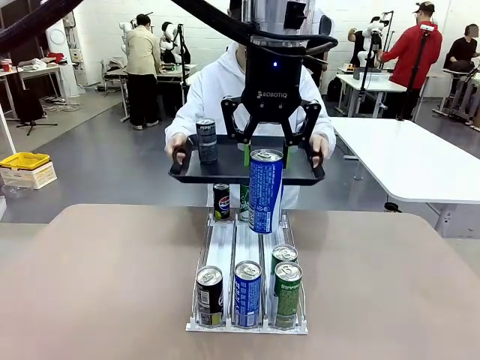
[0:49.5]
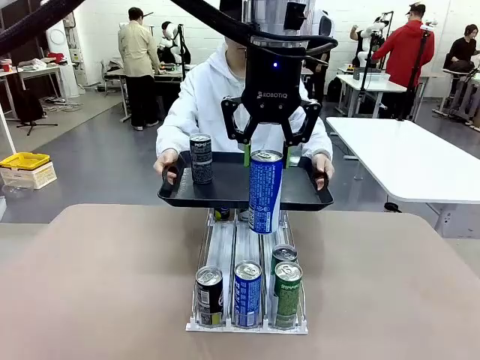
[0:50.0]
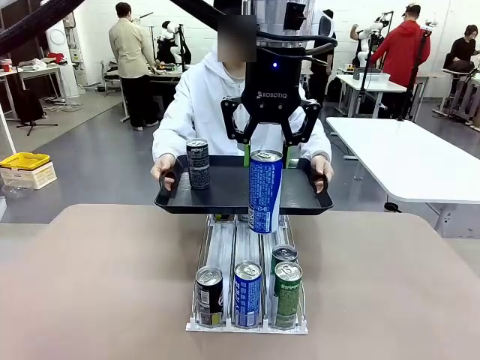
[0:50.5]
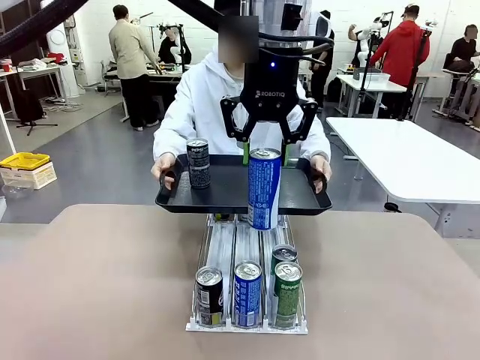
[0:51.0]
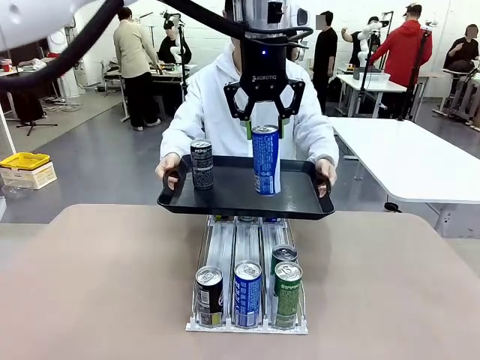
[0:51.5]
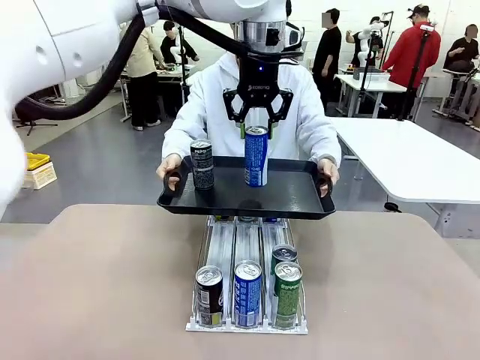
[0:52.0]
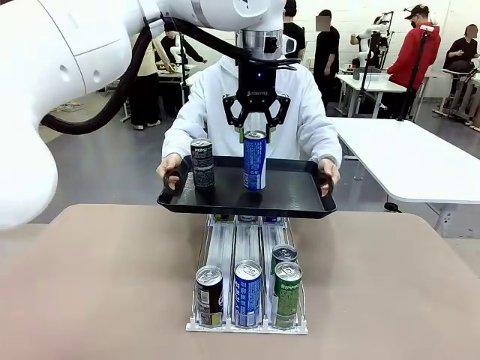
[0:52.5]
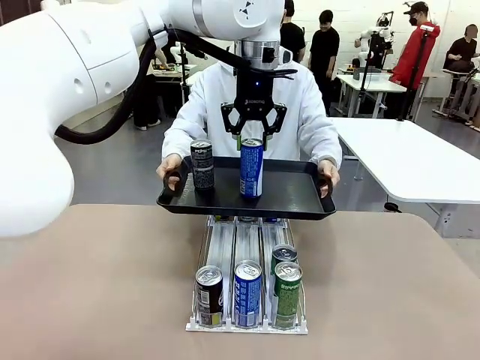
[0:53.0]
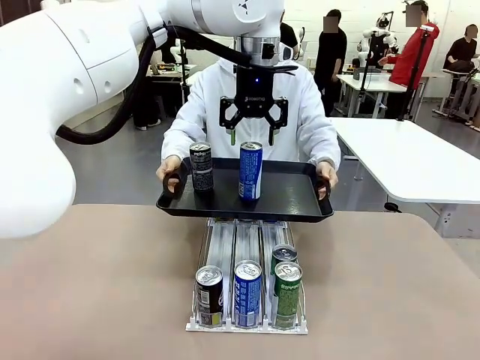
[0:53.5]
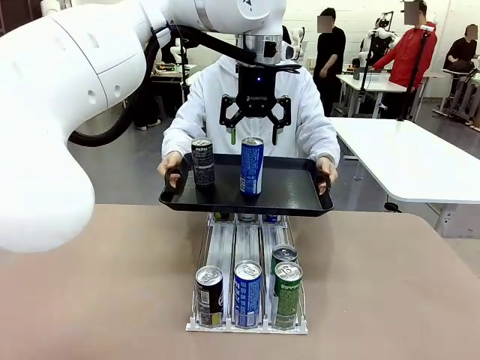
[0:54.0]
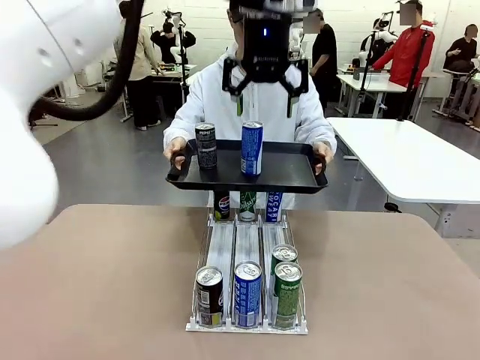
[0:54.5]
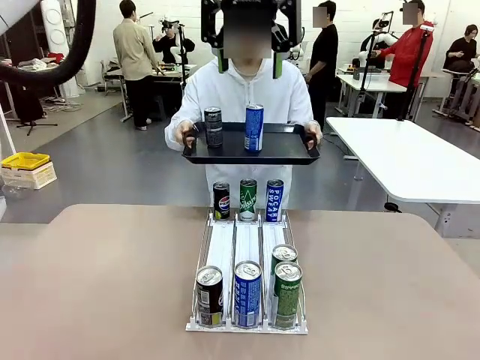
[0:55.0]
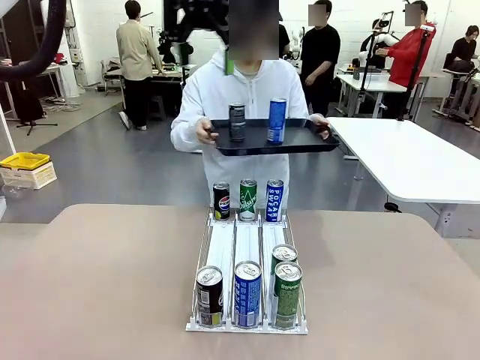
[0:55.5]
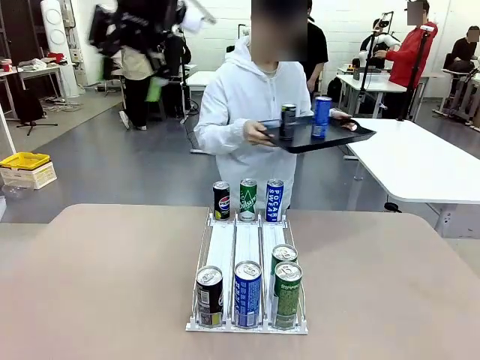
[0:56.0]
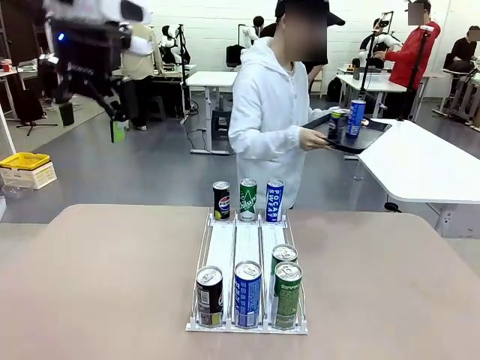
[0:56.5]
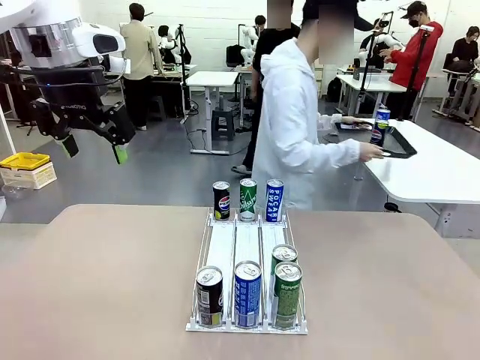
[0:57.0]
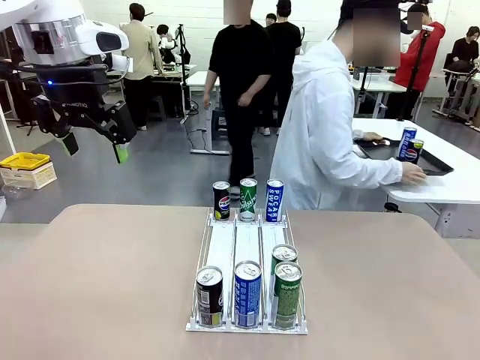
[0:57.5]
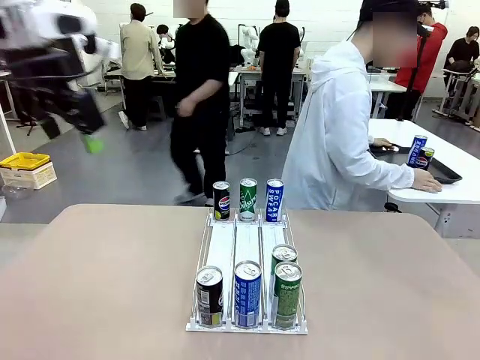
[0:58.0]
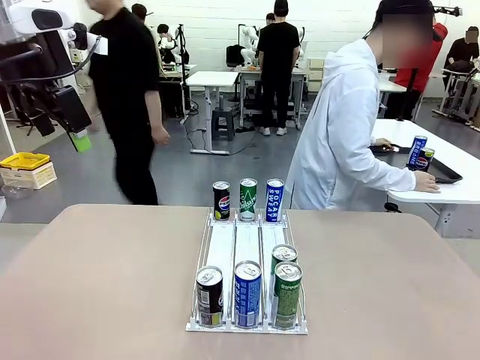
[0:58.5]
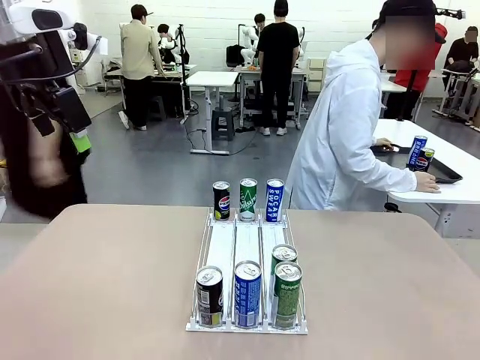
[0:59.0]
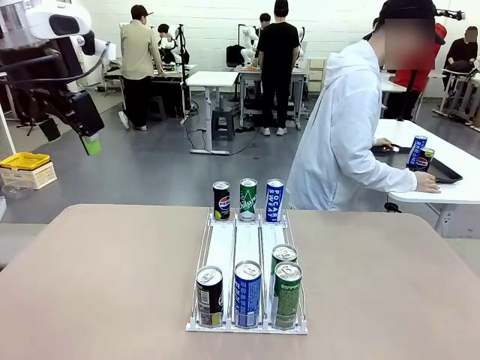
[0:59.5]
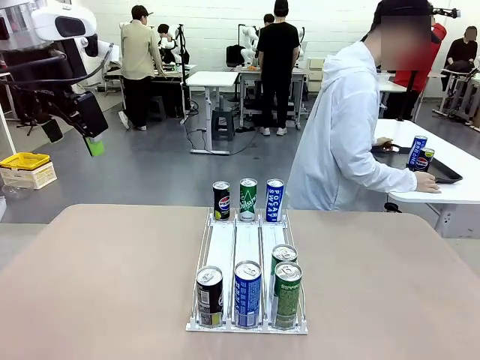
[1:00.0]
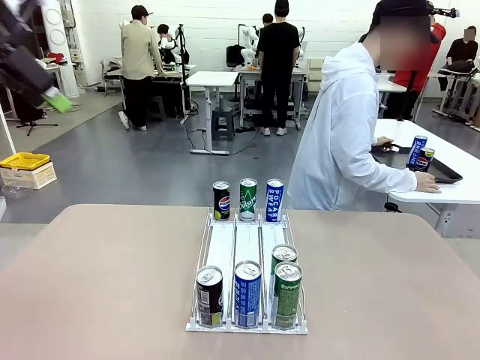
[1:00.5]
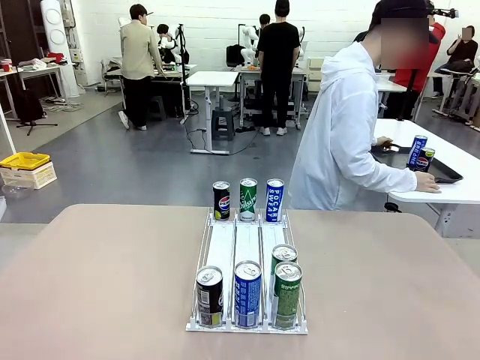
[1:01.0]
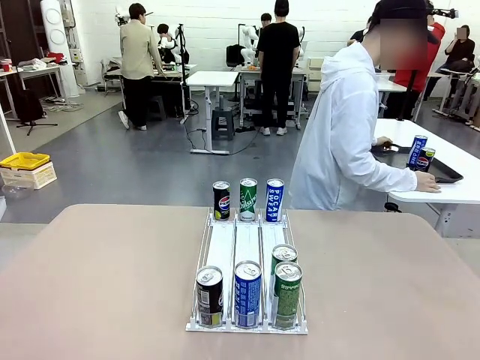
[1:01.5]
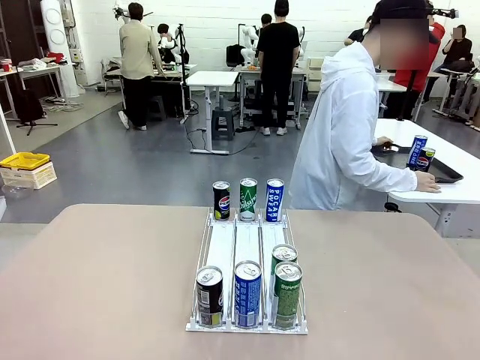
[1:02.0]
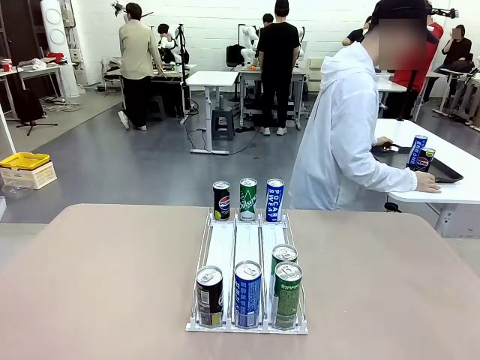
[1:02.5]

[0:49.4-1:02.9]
Task: Retrieve and hand over the desired beverage to the person.
Robot: Place the picked can on the Handle tray extended by the person.
Person: Pull the tray back and place it at the center of the human table.

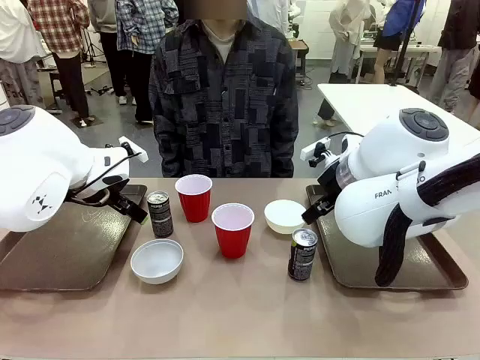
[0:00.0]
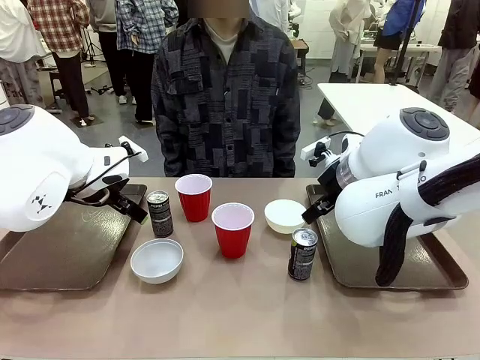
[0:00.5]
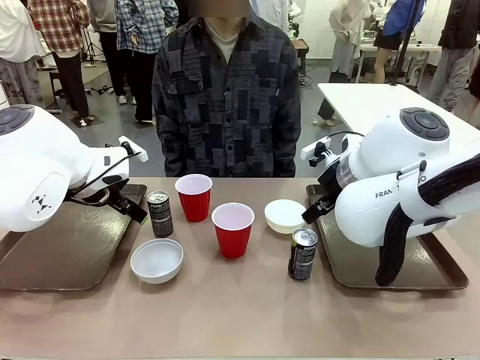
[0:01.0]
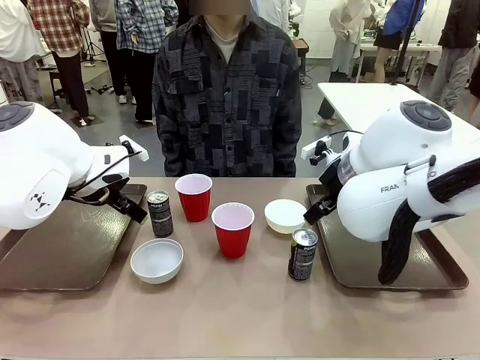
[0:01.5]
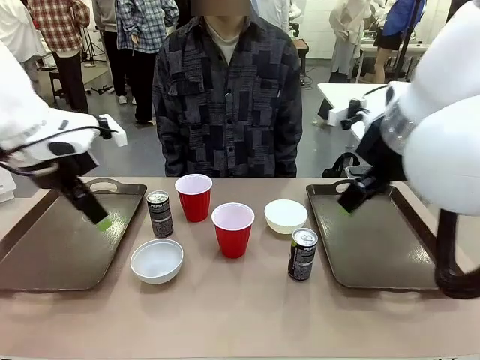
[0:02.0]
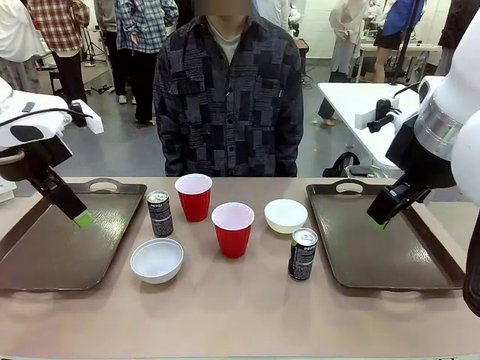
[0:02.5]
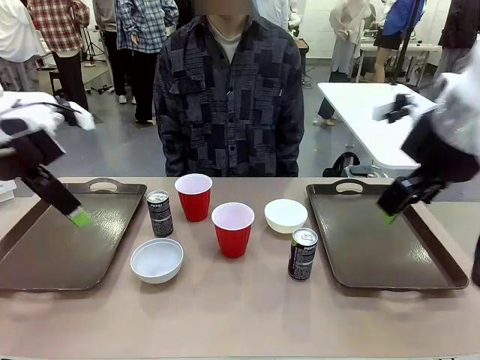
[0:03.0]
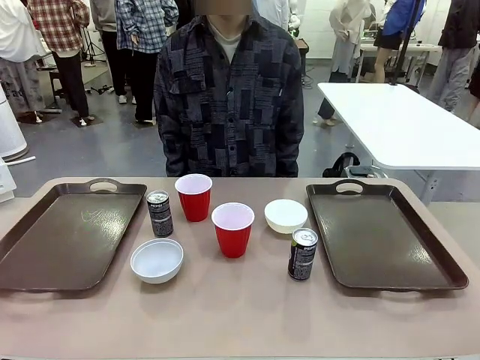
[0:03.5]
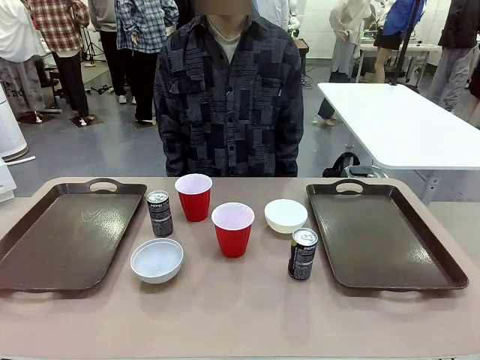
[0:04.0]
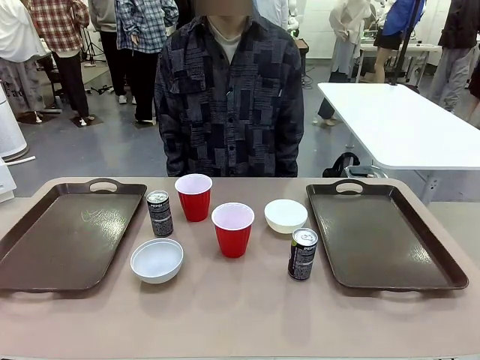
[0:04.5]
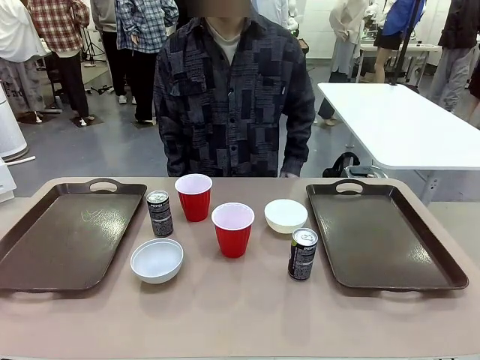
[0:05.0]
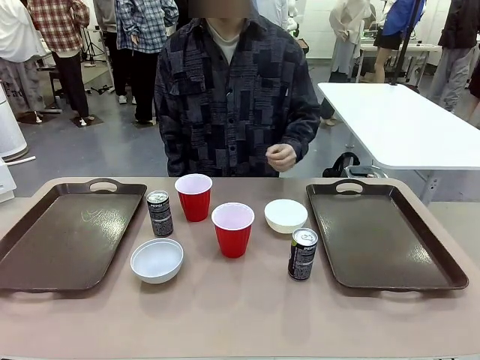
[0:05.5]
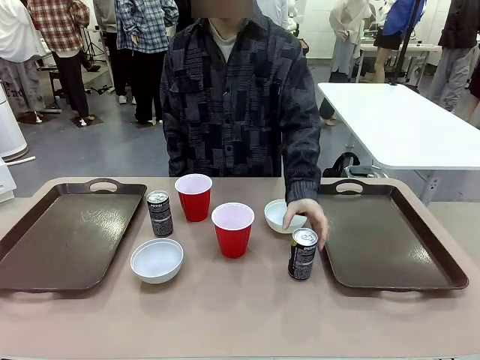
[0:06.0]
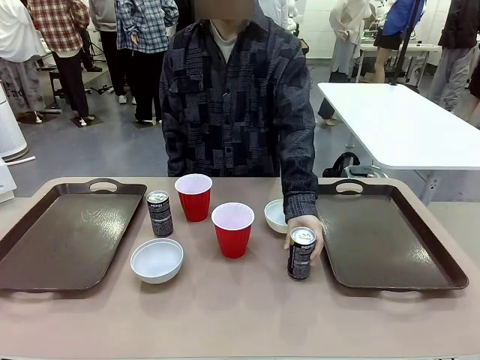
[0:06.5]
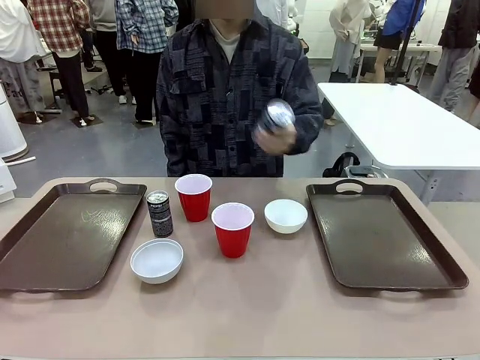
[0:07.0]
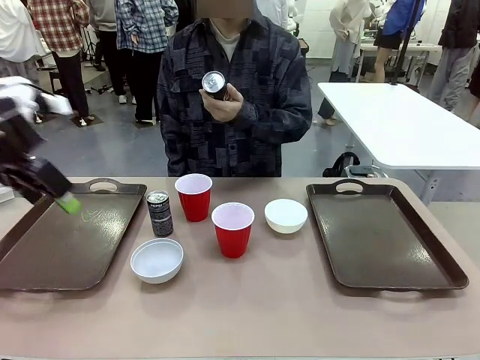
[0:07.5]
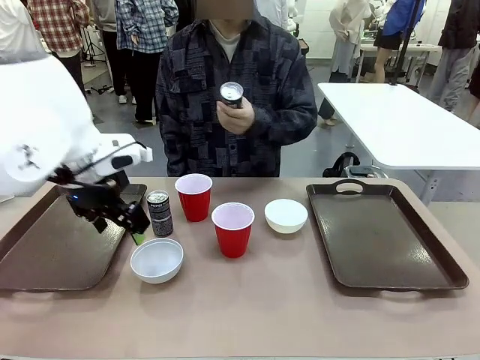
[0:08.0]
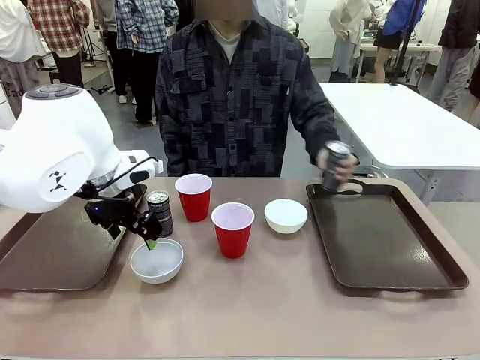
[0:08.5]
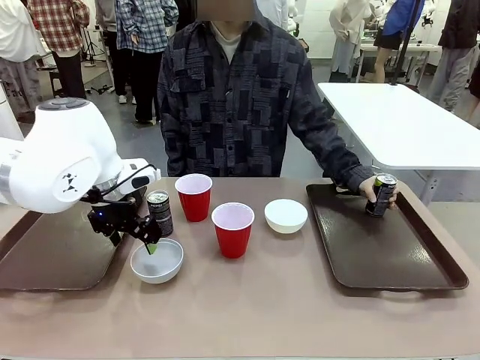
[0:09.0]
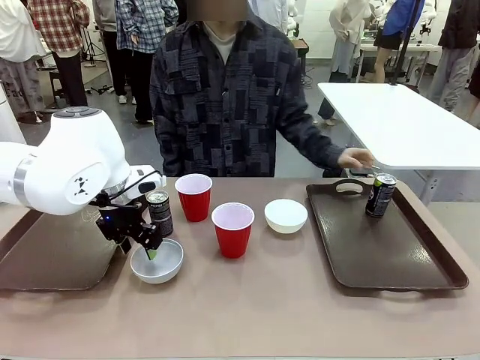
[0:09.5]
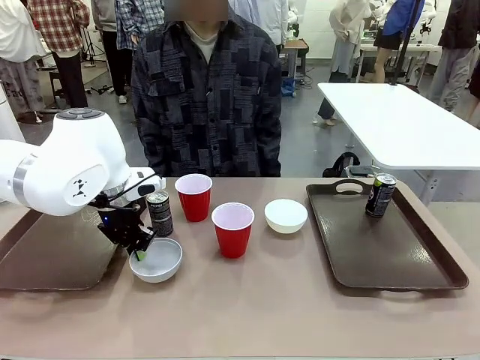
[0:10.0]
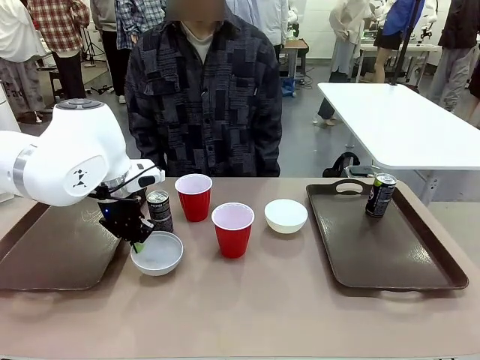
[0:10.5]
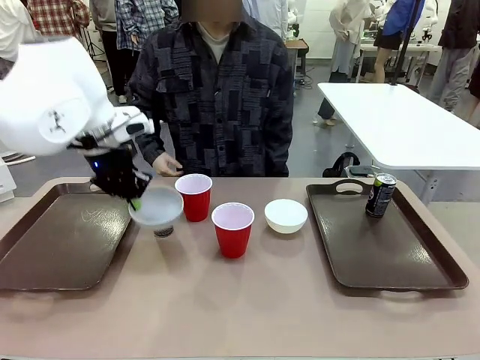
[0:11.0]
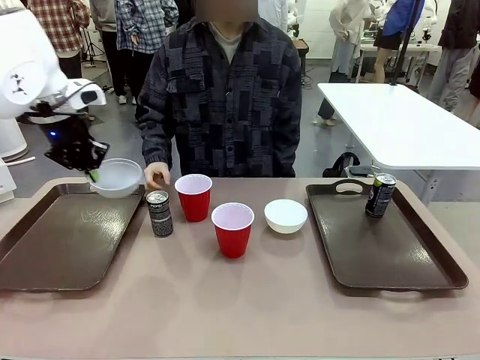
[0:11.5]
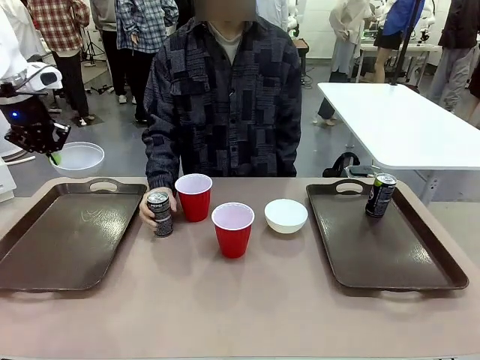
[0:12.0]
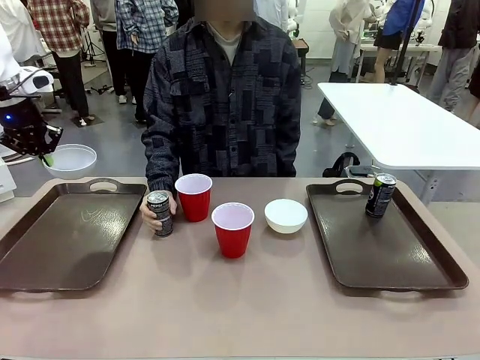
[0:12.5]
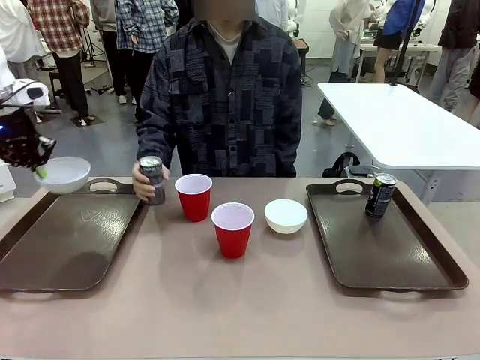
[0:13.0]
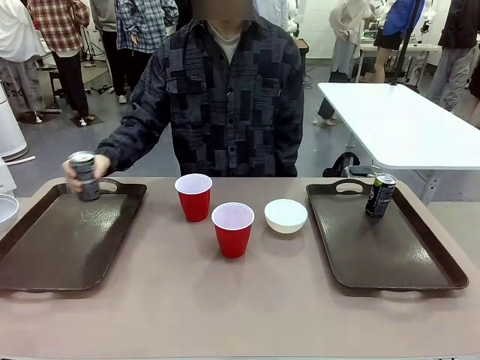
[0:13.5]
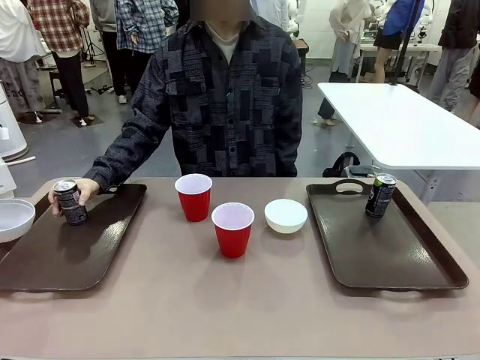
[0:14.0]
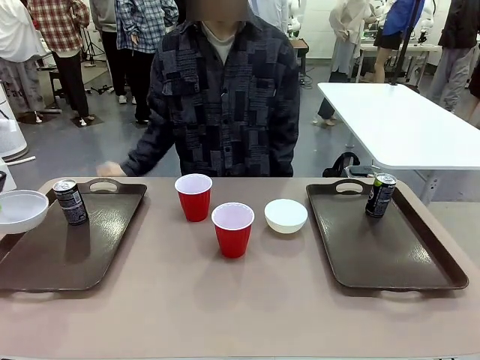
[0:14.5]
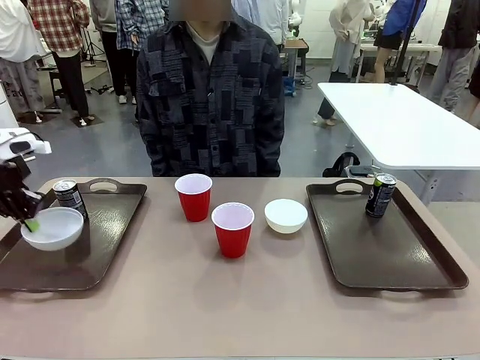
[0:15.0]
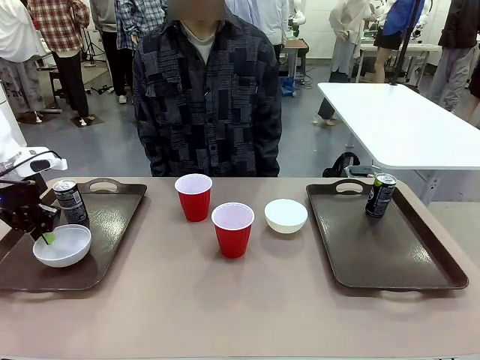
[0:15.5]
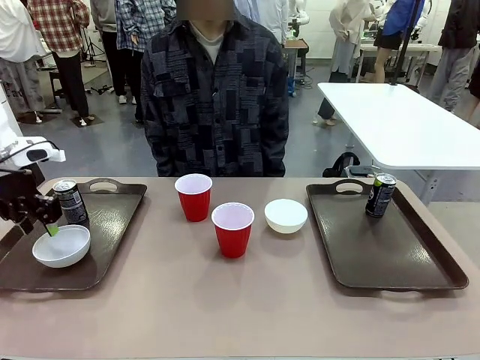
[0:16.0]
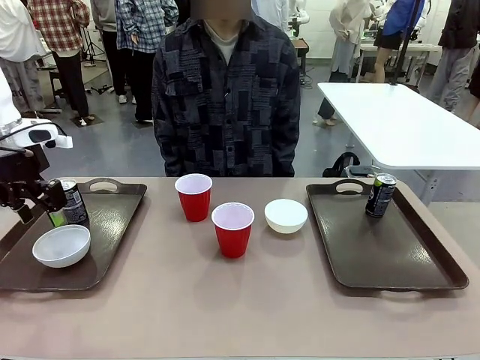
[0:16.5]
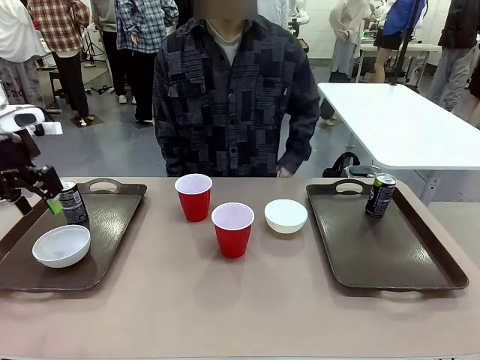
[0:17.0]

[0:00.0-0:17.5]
Task: Prepare tableware on both trays.
Robot: Pick up a Picnic Bowl from the table and place it on a Handle tray.
Person: Pick up a can or cup and place it on the tray.
